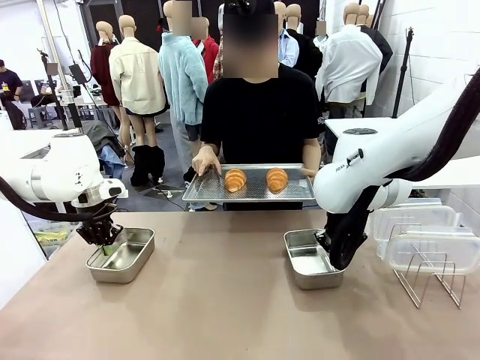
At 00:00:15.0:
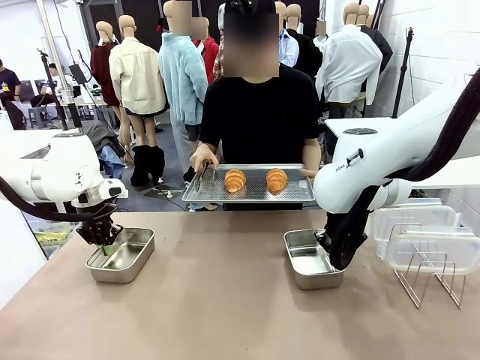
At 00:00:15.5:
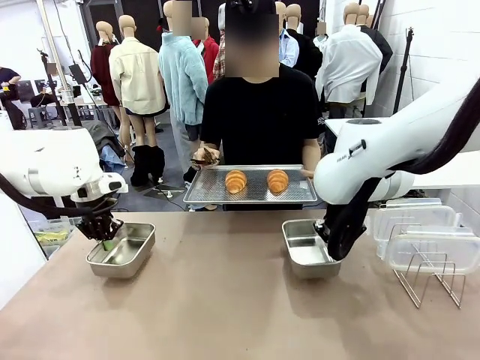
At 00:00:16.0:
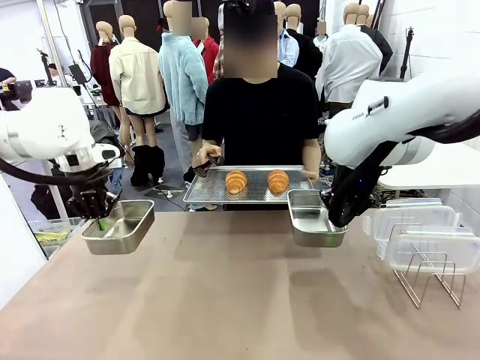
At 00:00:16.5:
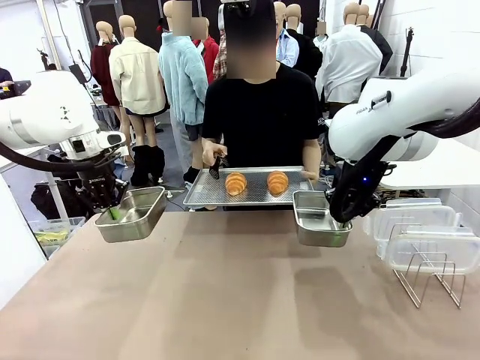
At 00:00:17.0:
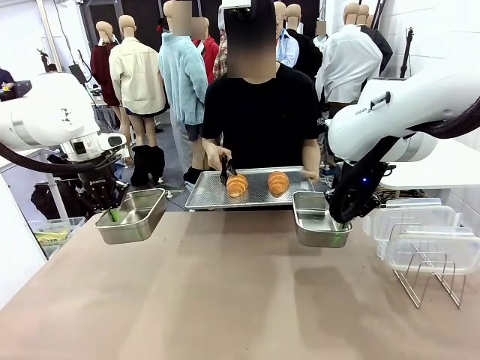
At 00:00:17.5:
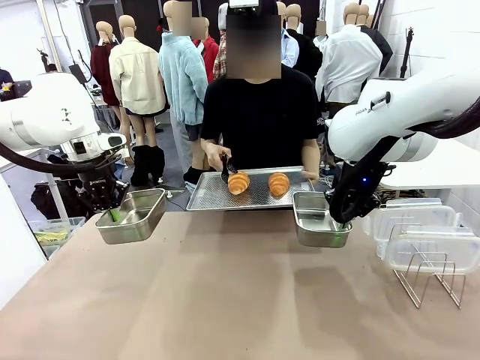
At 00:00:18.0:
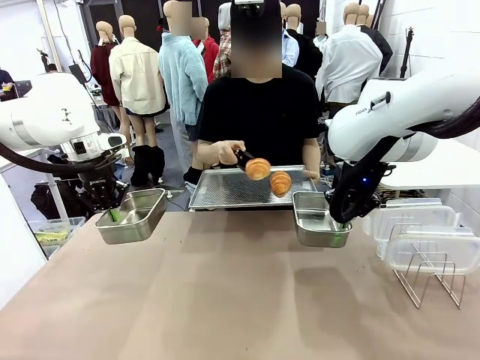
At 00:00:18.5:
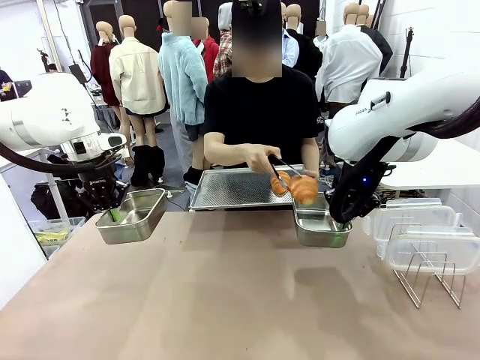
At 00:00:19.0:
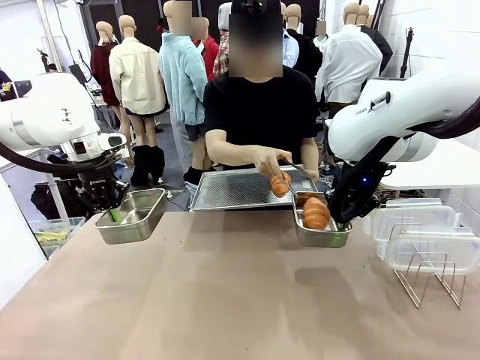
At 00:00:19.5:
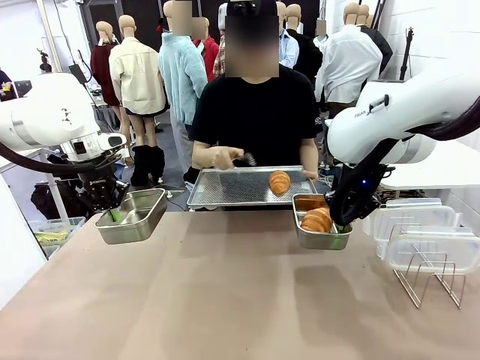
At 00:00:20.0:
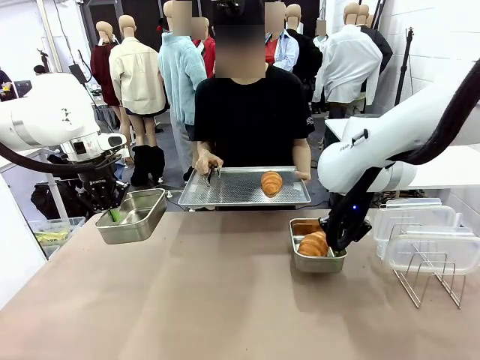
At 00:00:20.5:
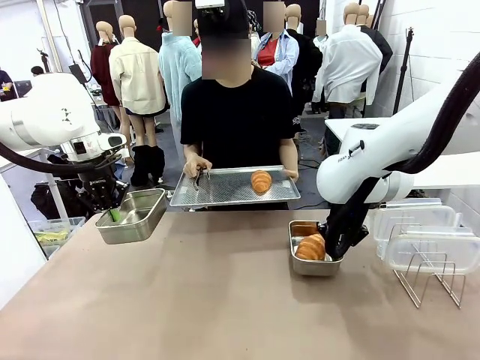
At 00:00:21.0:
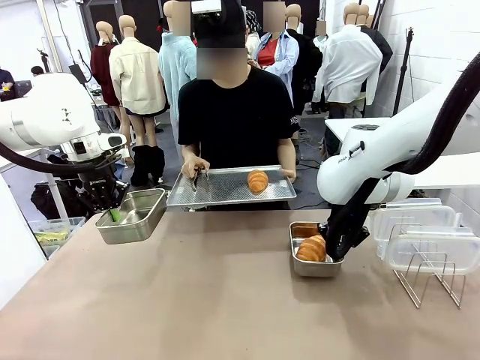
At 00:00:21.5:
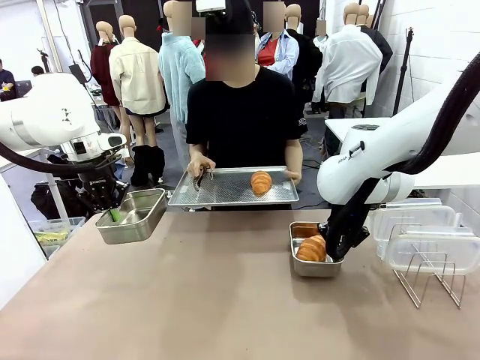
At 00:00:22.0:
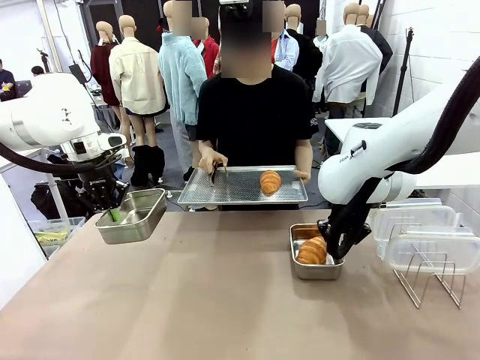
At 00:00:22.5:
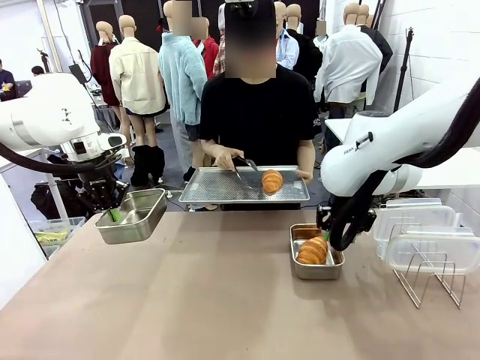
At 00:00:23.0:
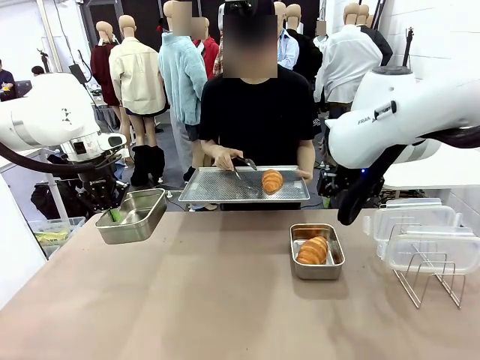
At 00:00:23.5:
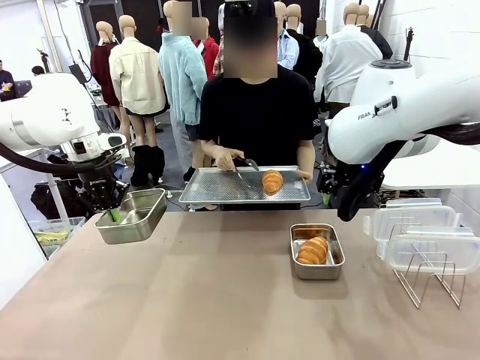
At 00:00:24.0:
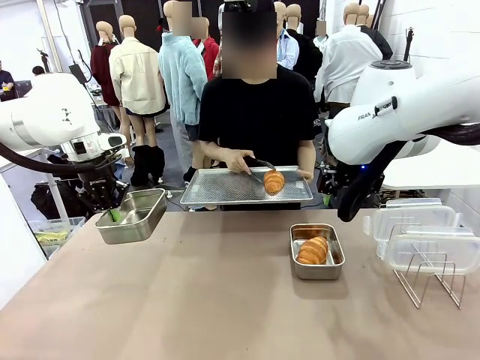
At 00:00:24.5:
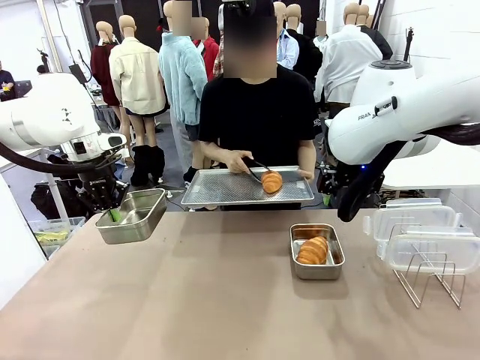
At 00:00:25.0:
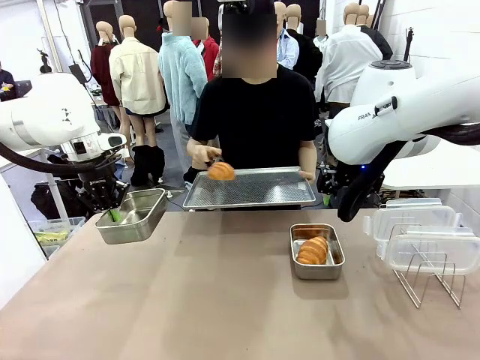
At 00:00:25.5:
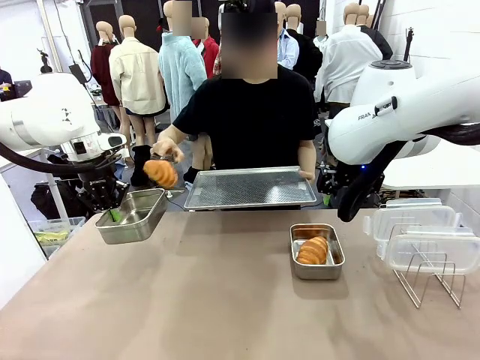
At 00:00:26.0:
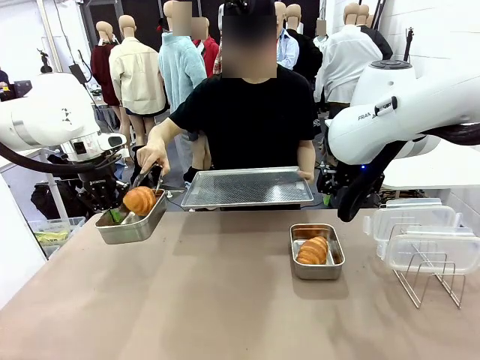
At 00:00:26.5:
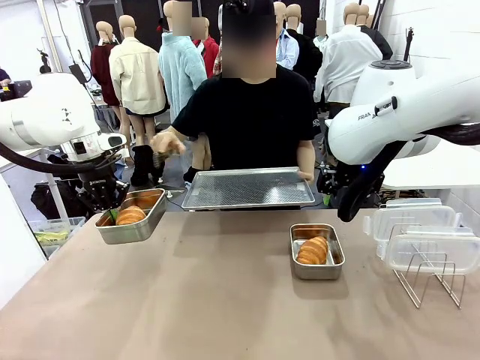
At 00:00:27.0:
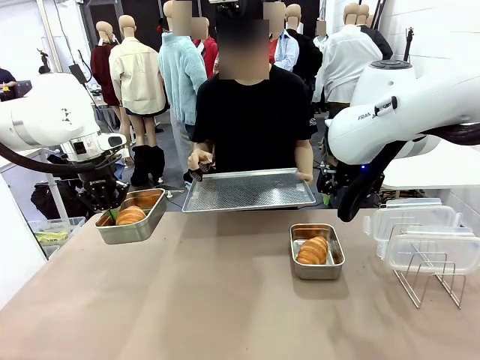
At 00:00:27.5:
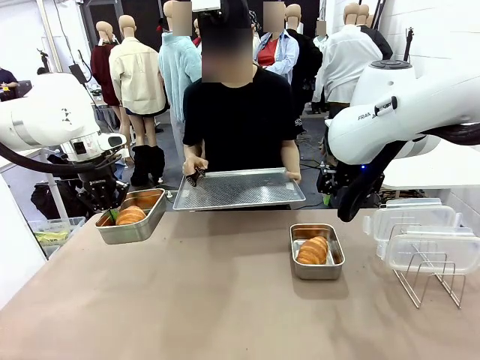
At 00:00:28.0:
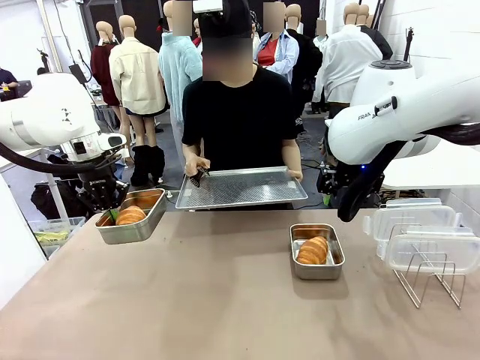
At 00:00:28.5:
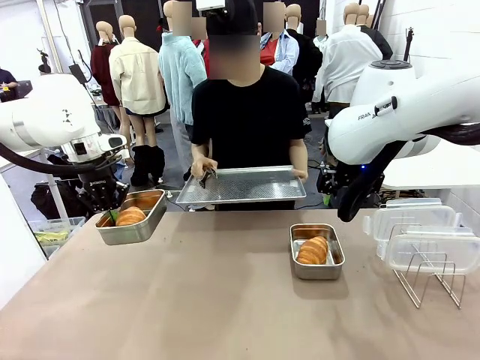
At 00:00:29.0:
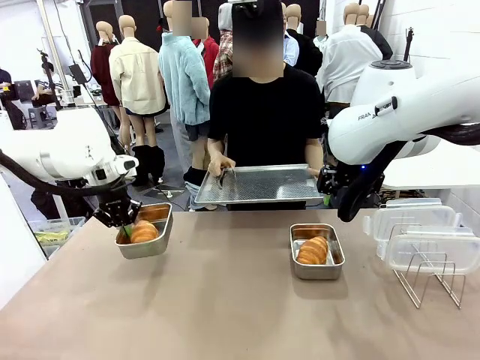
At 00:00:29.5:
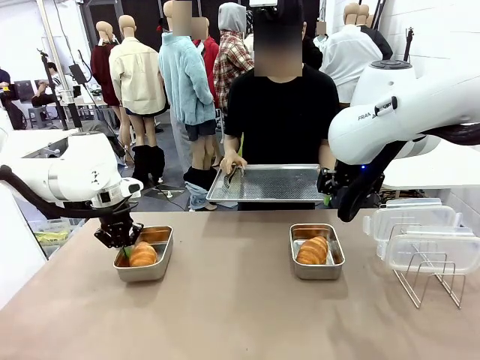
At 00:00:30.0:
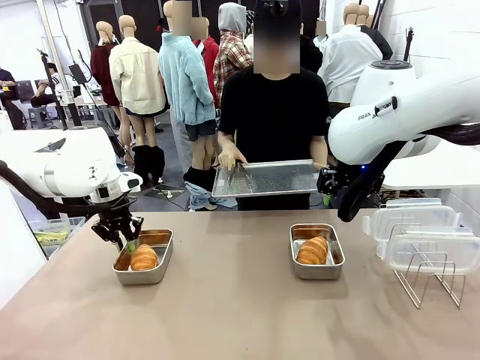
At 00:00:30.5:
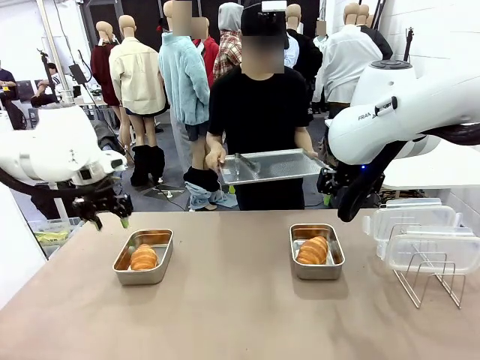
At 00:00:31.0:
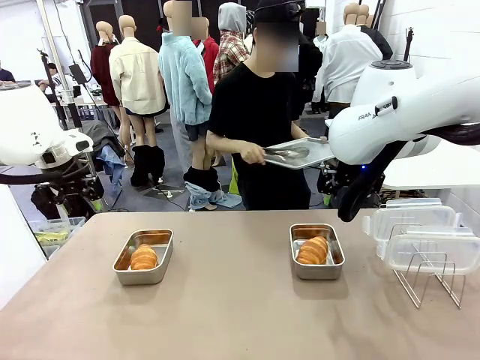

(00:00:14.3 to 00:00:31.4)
Task: Place the bread in airtight containers.
Robot: Once an object is inside an Airtight Container , place the container in the center of the table.
Person: Use the Stainless steel tongs to place one object from Baking Sheet into one Airtight Container.

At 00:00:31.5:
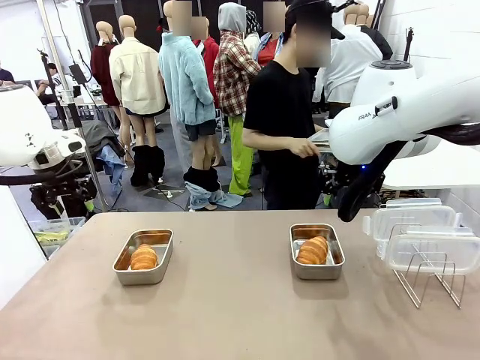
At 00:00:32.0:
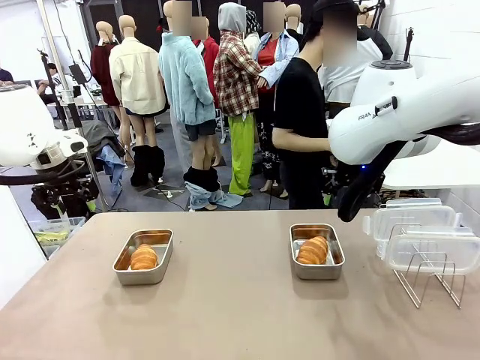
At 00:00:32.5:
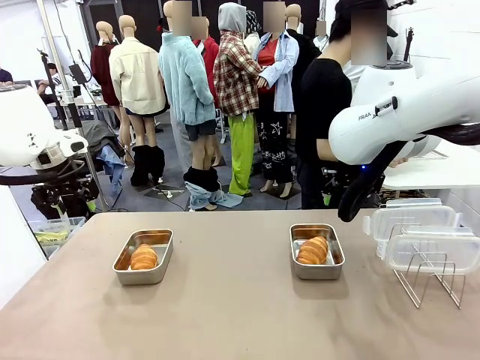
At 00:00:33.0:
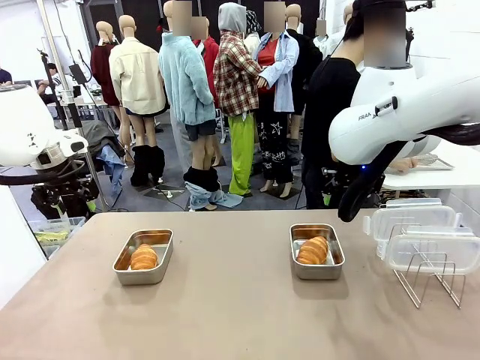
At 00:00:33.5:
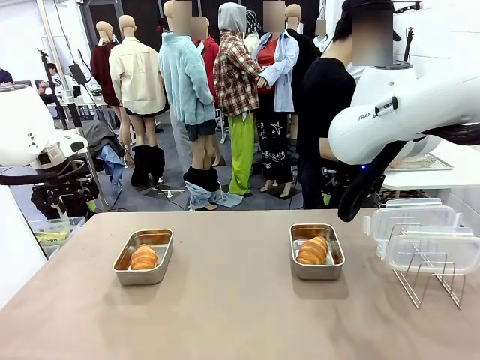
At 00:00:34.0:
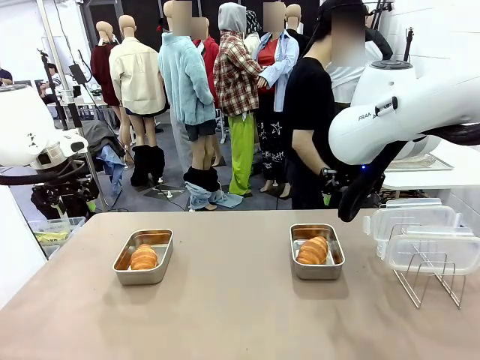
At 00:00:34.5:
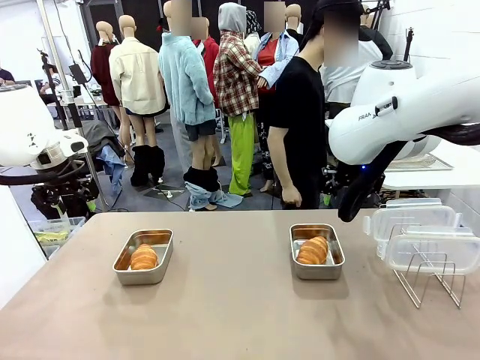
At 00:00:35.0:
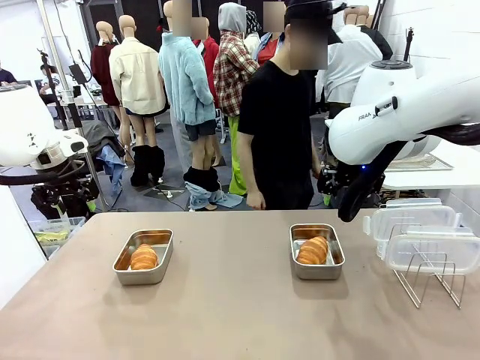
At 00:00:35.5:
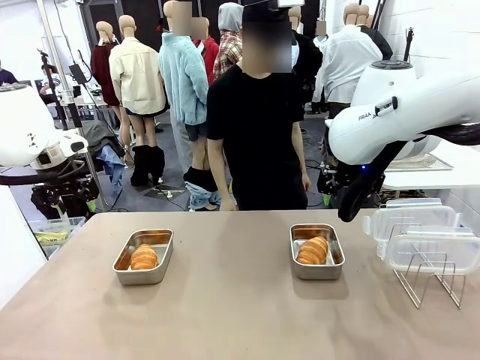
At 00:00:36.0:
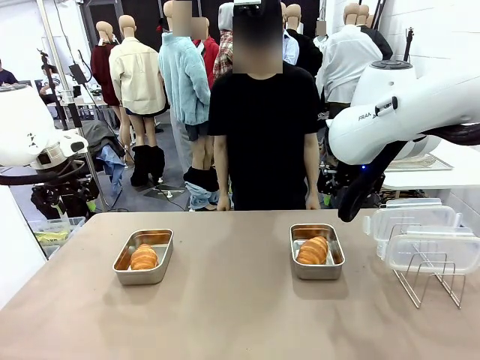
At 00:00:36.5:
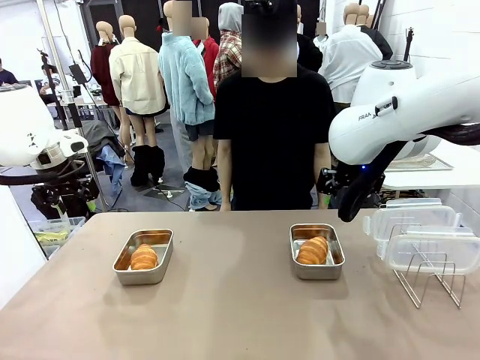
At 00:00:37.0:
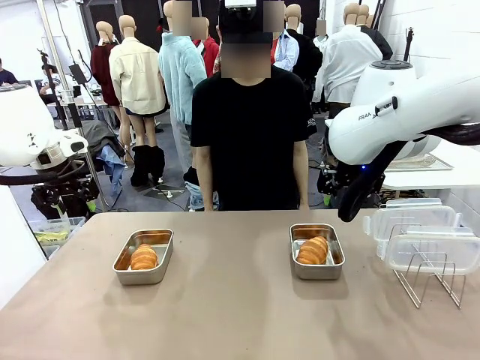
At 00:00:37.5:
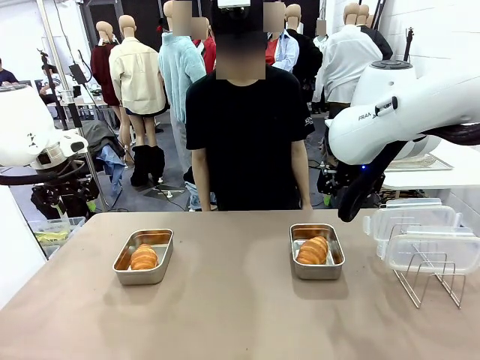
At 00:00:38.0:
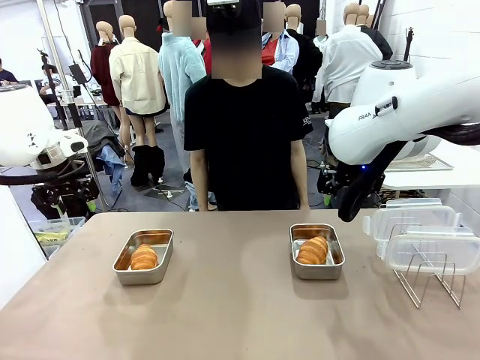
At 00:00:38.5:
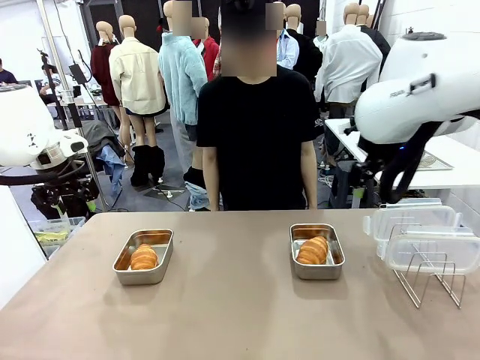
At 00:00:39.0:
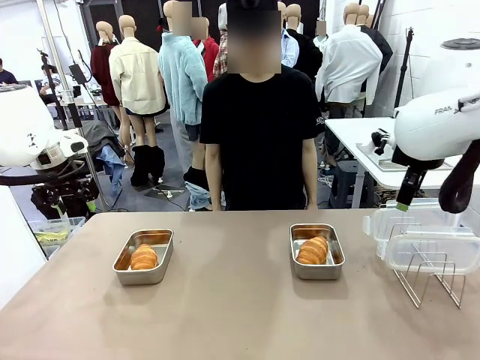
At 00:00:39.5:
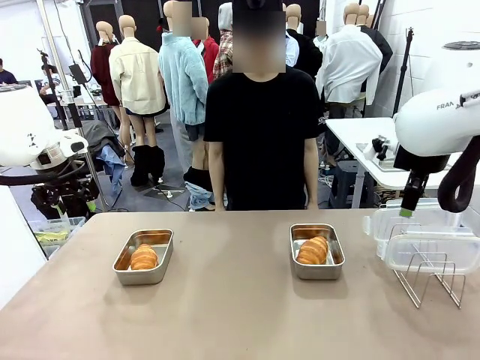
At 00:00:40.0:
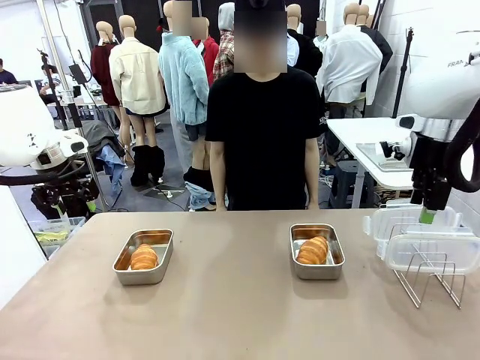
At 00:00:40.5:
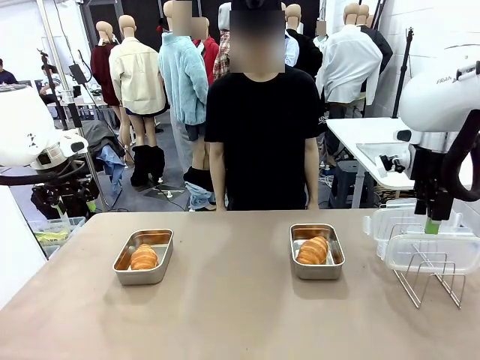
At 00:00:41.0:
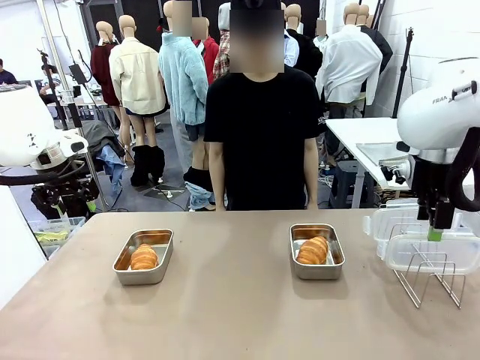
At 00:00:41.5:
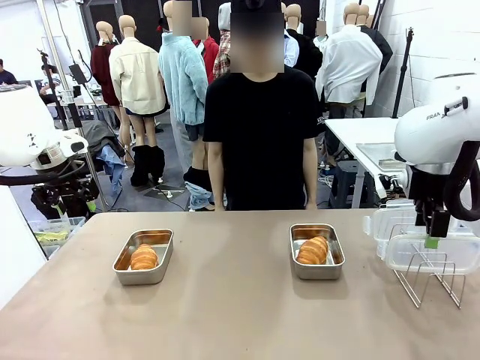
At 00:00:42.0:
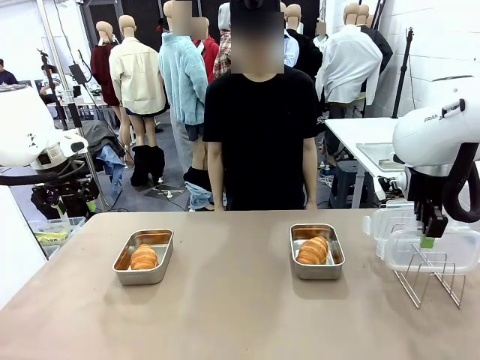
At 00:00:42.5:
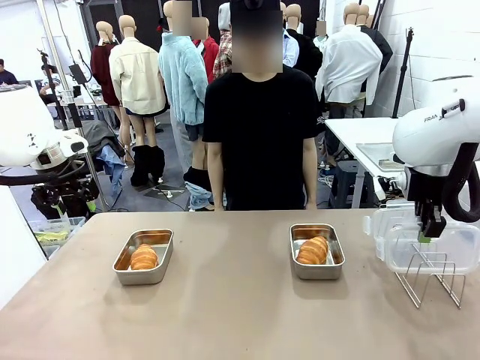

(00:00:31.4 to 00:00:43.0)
Robot: Pick up one Airtight Container lid and hand it to the human.
Person: Place Baking Sheet on the Human's Table.
